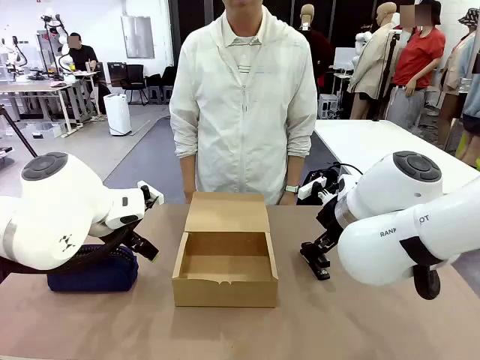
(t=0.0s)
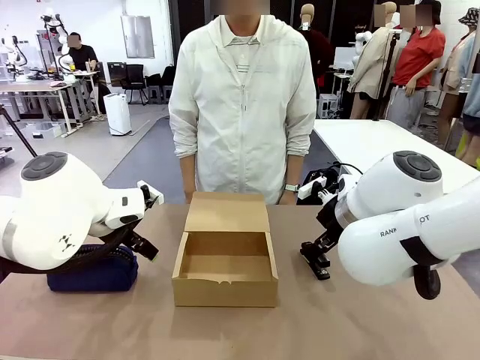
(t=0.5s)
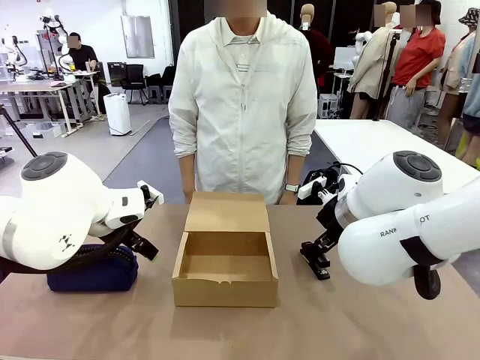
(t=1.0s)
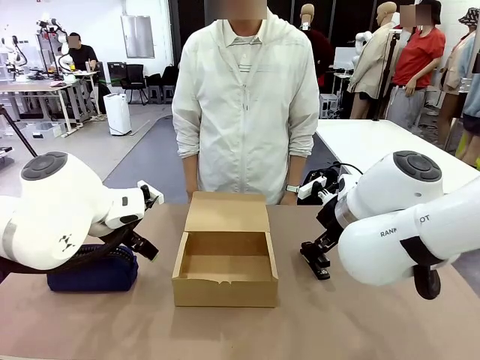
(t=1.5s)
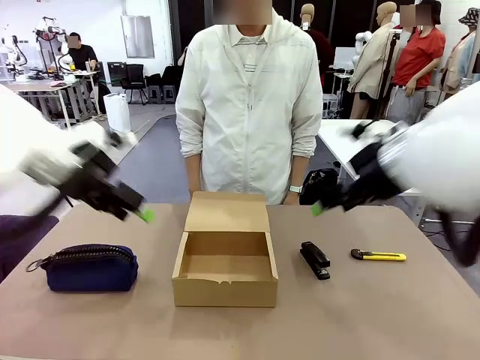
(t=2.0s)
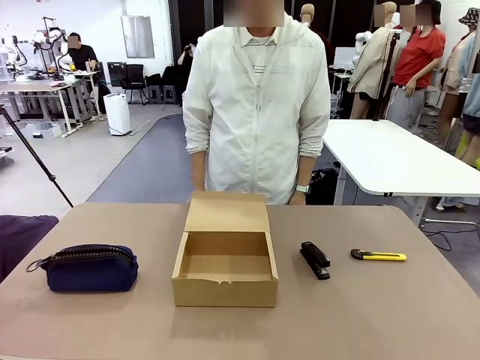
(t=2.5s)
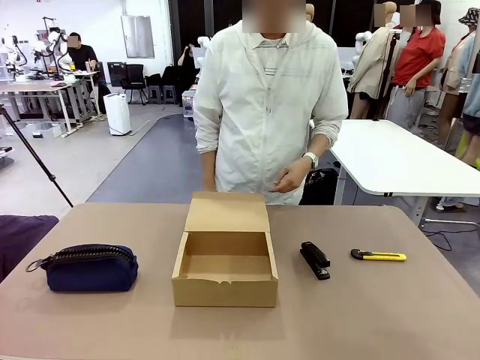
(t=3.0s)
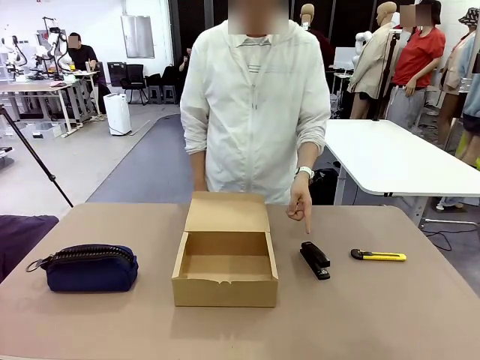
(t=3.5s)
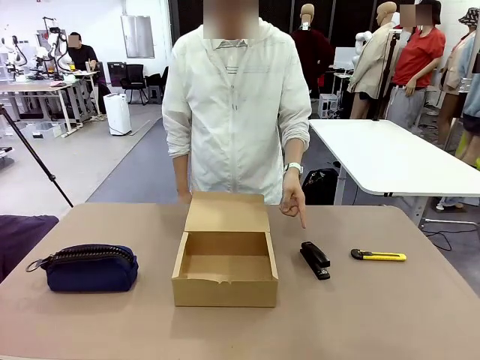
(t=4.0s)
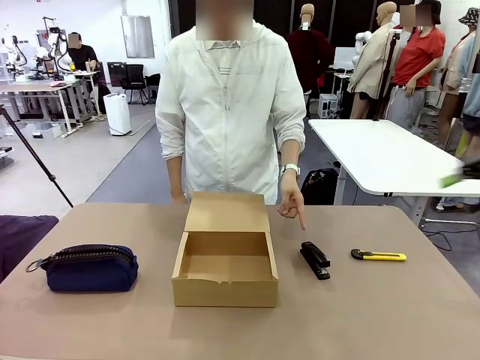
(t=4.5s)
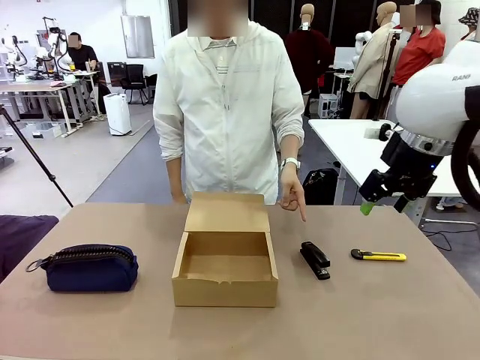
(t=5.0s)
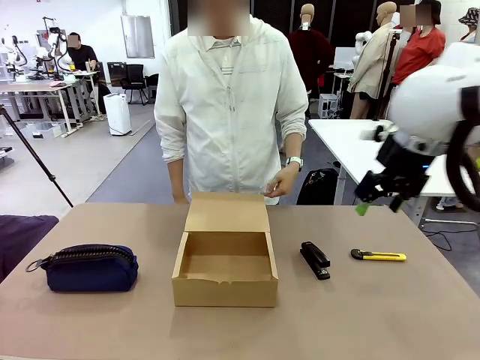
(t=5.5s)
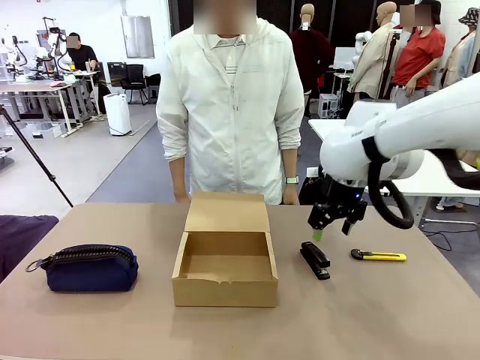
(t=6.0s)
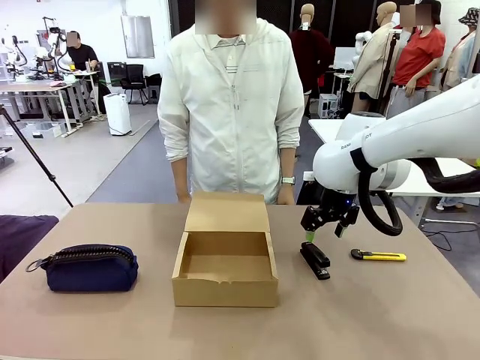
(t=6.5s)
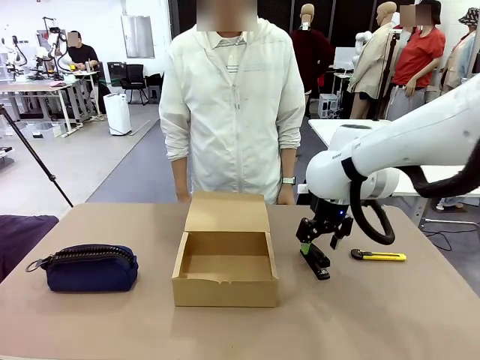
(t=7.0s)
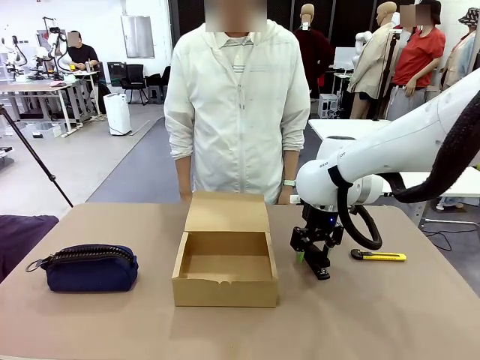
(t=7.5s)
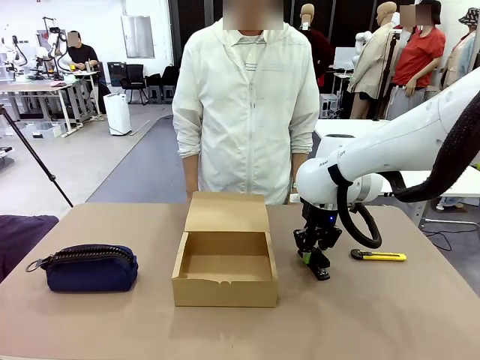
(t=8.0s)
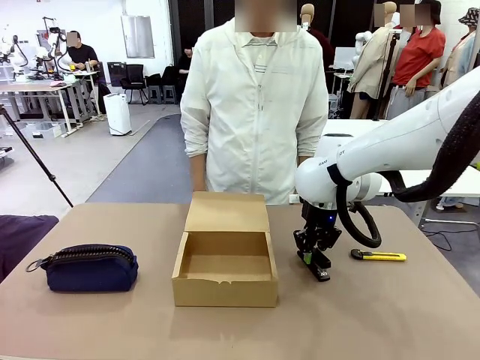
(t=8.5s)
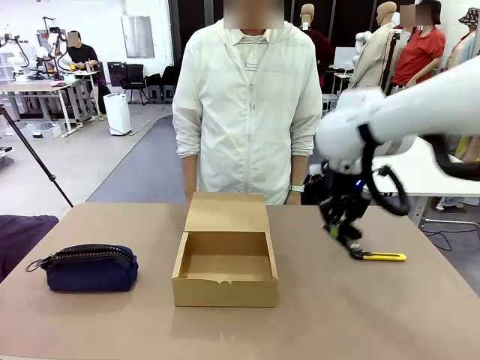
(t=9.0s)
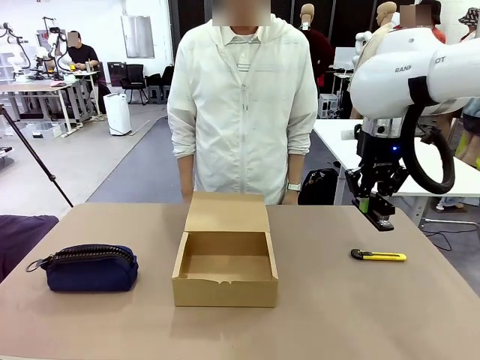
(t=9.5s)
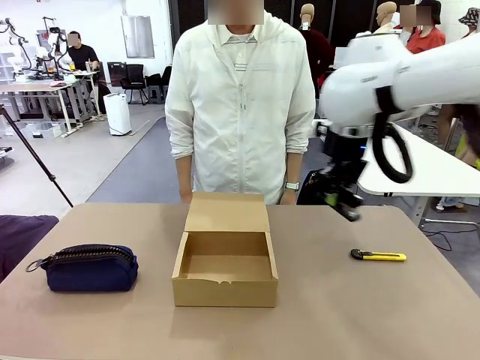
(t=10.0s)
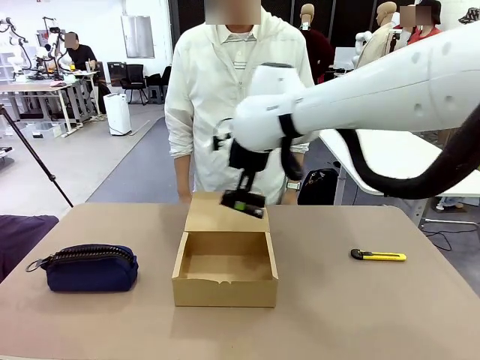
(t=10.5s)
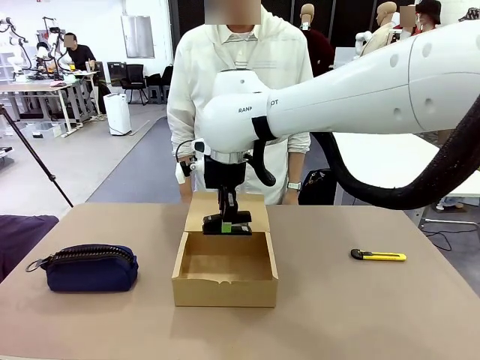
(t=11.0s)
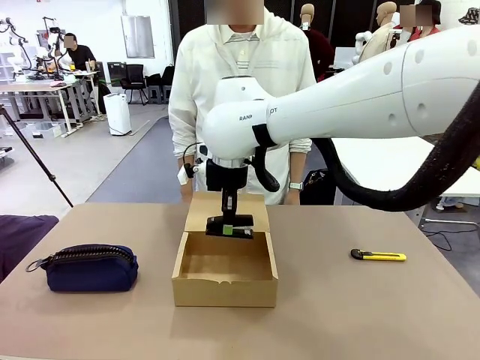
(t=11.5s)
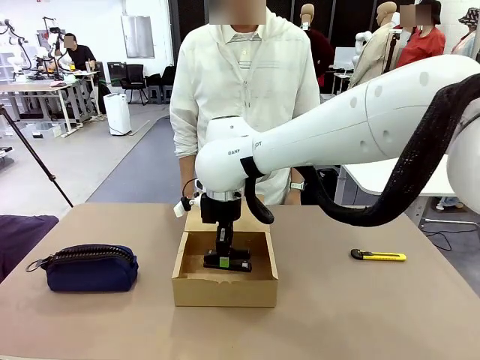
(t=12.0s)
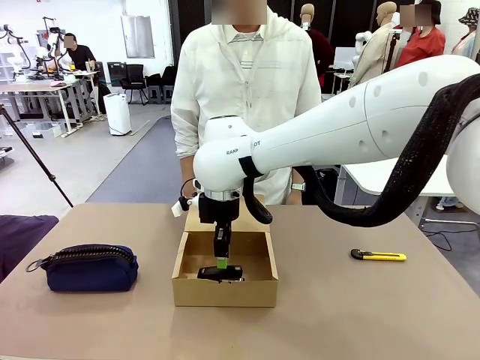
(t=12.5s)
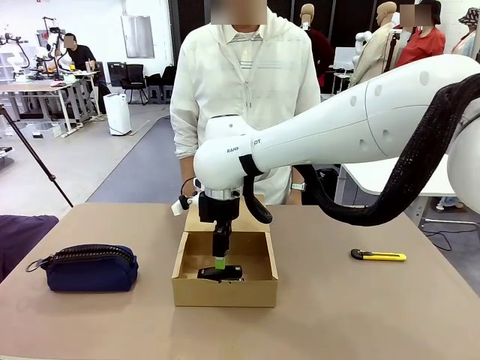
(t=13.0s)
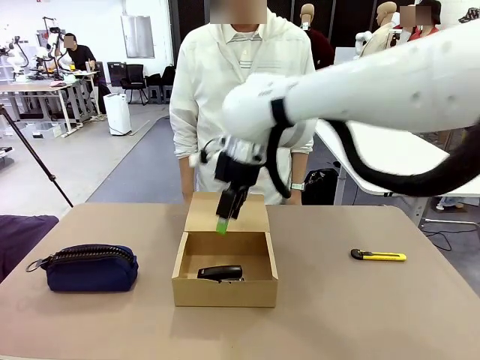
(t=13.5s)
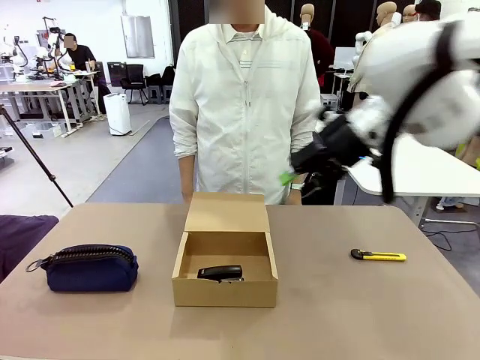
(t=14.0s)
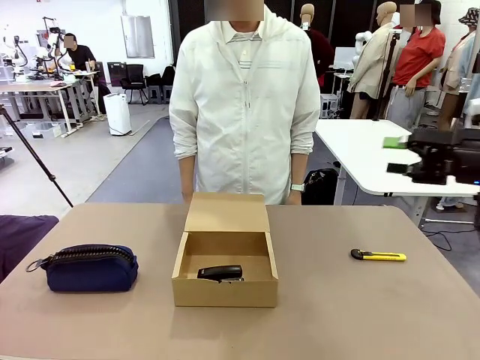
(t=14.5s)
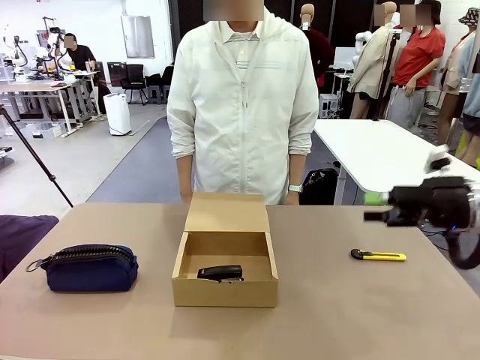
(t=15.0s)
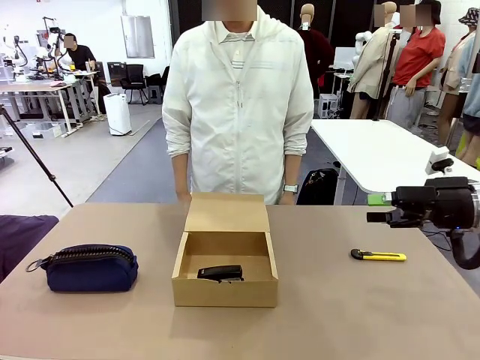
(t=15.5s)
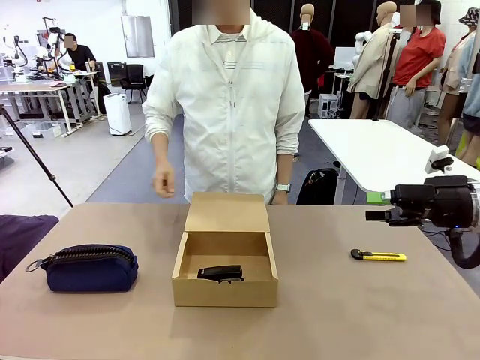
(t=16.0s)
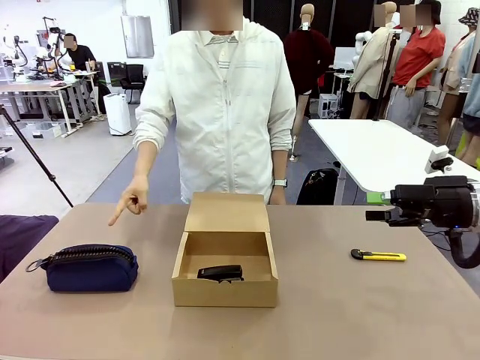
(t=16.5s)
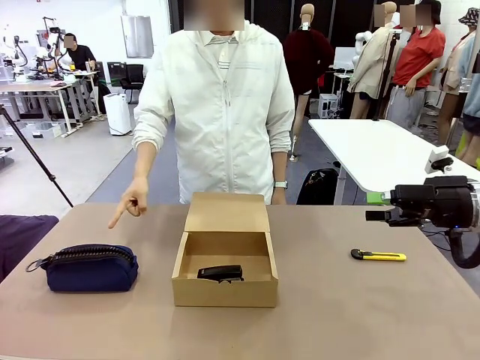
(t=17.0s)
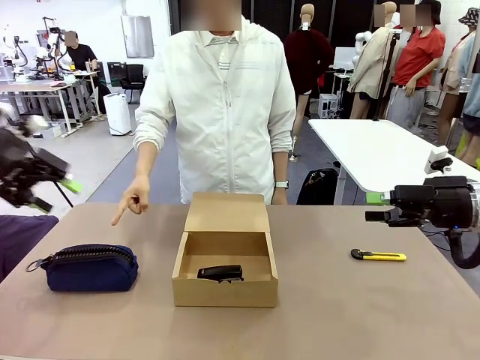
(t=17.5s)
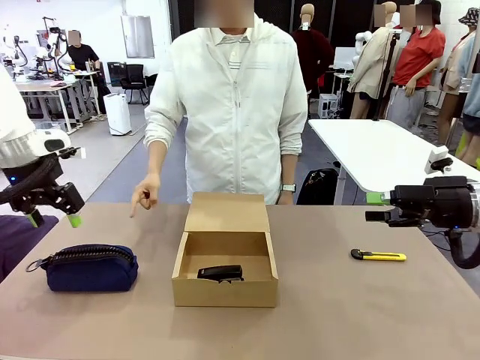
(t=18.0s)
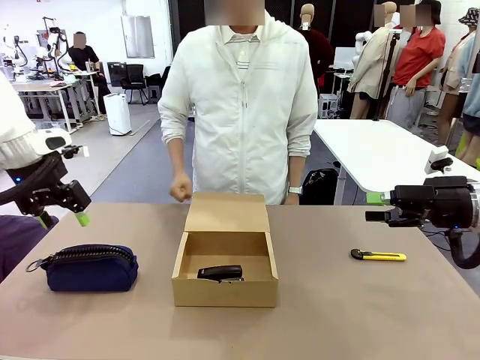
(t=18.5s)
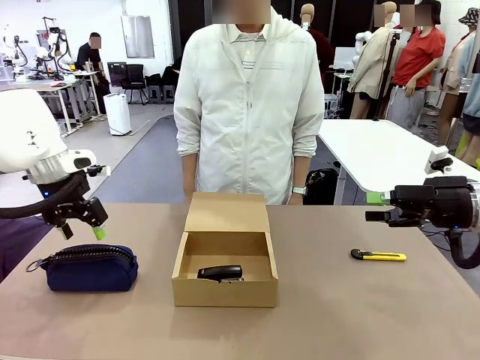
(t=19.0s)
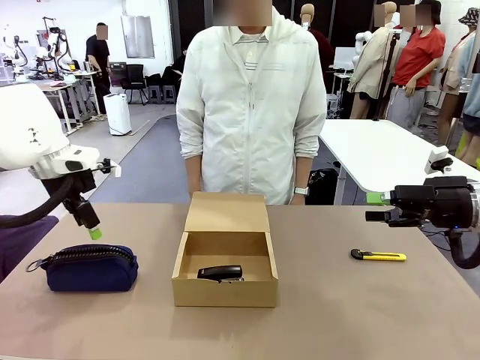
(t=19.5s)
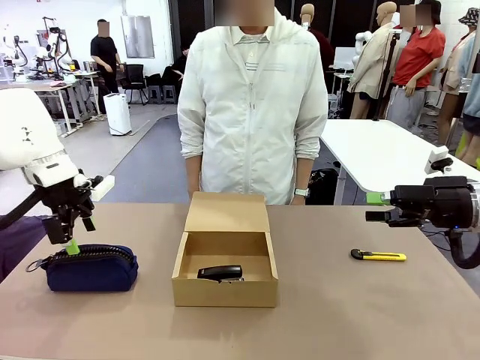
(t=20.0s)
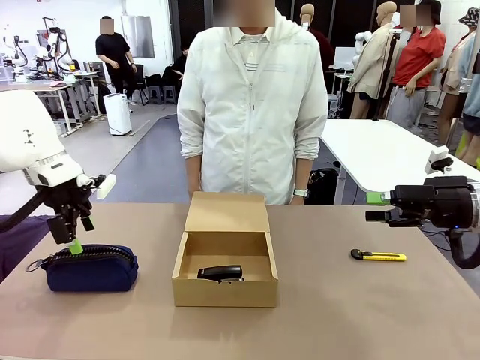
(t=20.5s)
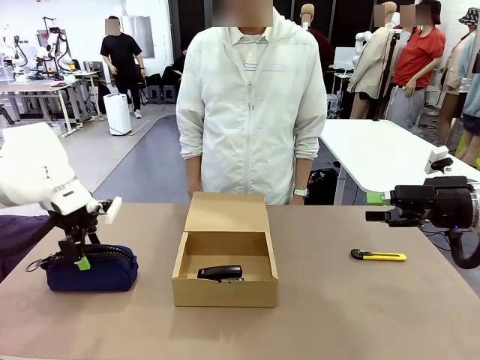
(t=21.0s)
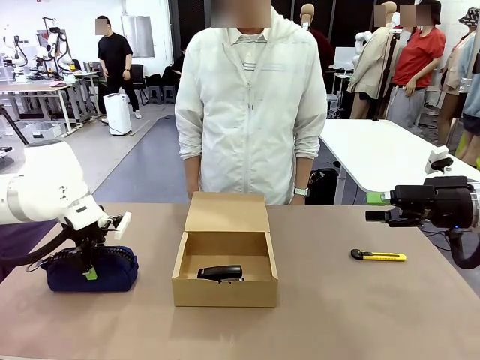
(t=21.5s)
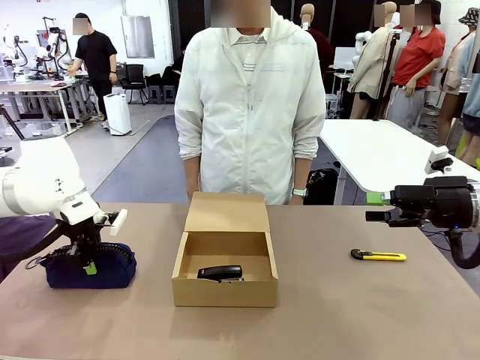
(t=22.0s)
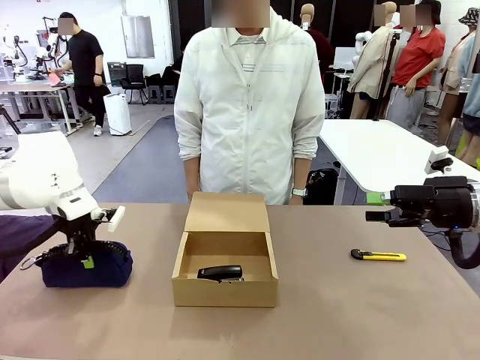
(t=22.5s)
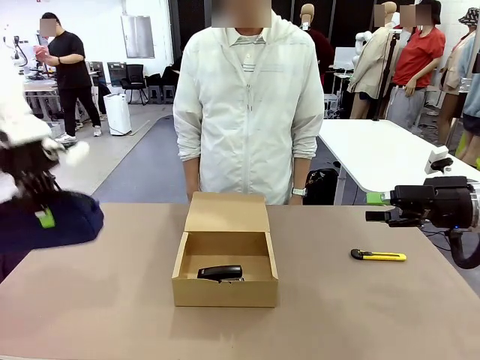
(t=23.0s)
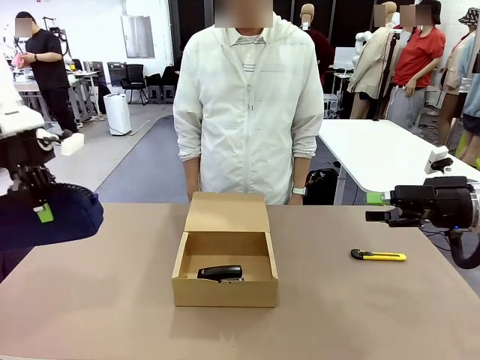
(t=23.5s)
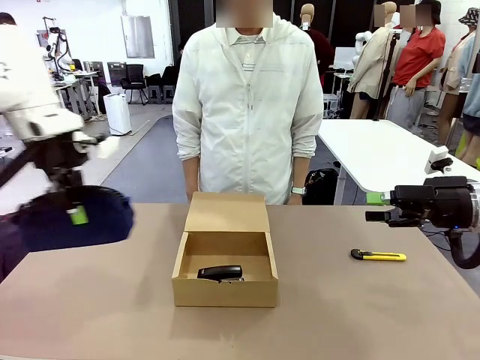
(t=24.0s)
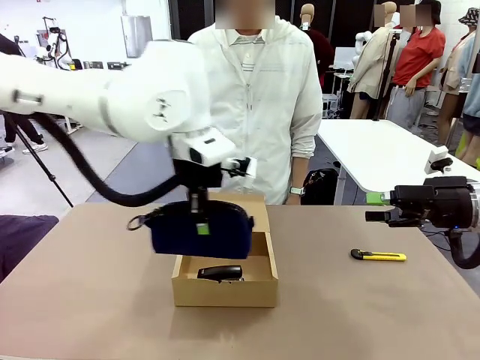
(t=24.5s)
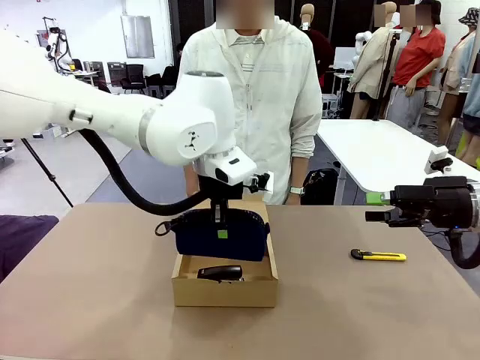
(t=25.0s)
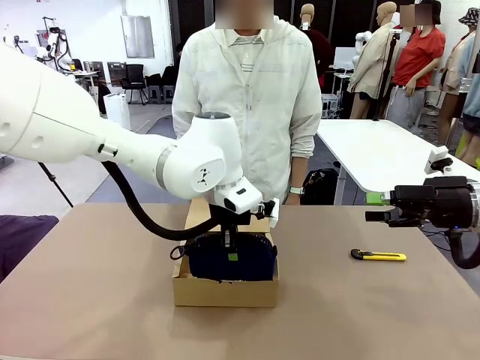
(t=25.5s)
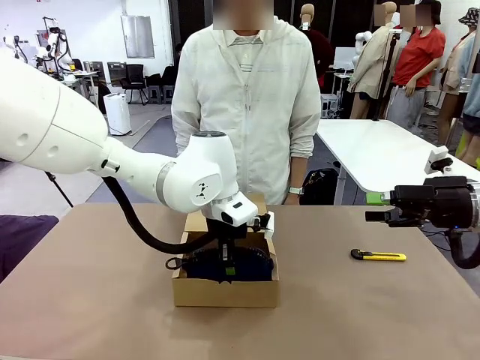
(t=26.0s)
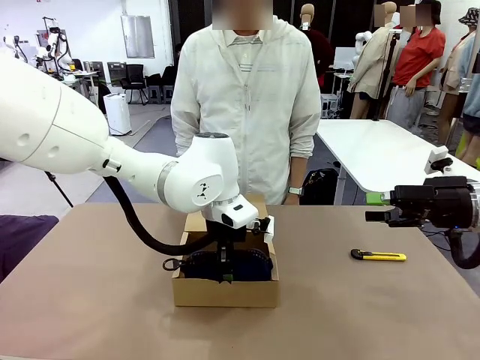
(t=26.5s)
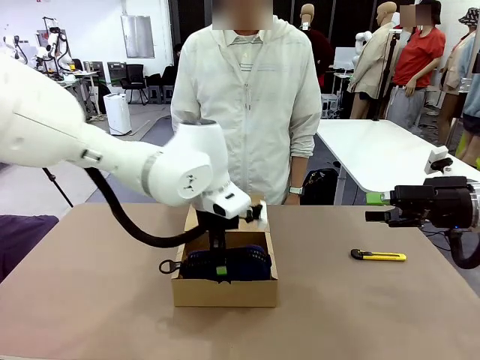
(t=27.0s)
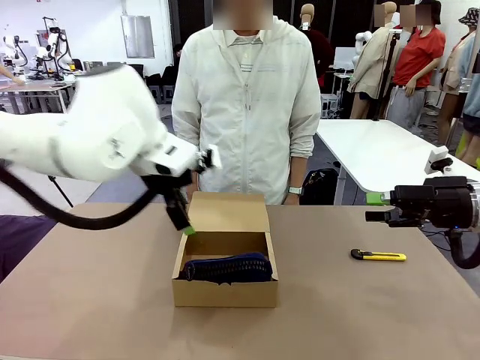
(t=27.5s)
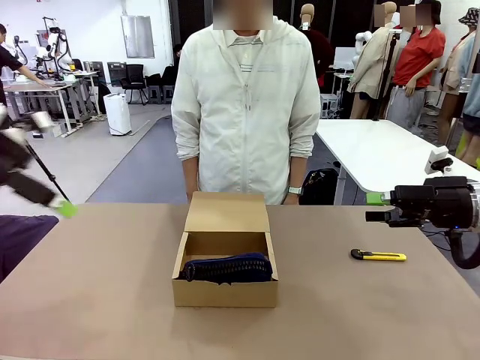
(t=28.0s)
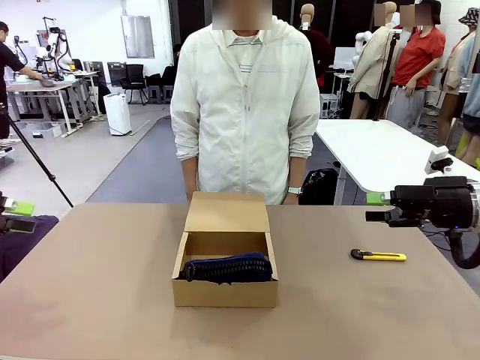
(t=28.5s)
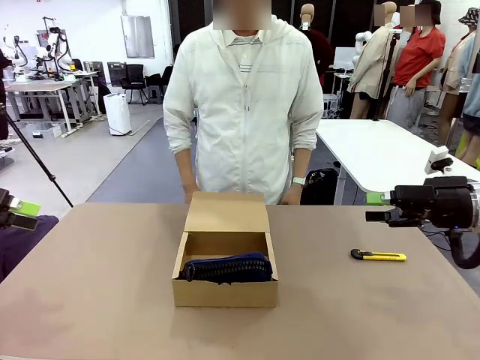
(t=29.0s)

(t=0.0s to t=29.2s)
Task: Pack the items into the box.
Robot: Pick up the item specified by the human and place it in the Mailer Box.
Person: Point at one item on the table (excluding the box). Lower both hands vertically with palms facing downward, as if pressing something closed.
